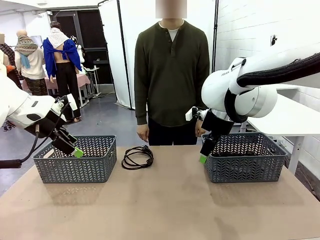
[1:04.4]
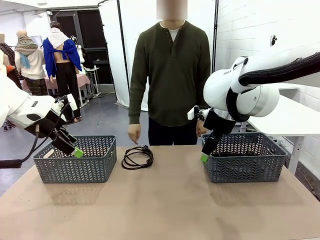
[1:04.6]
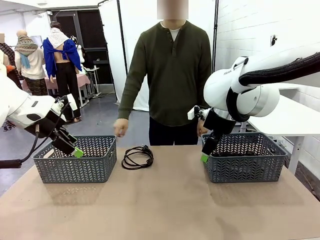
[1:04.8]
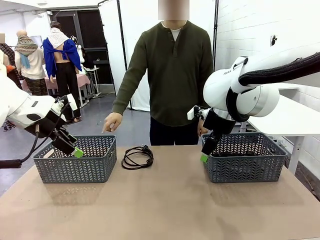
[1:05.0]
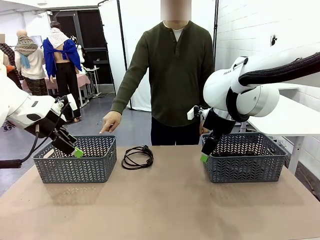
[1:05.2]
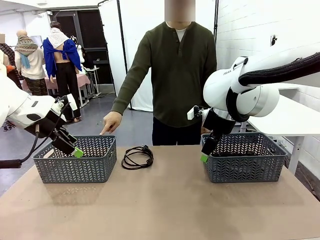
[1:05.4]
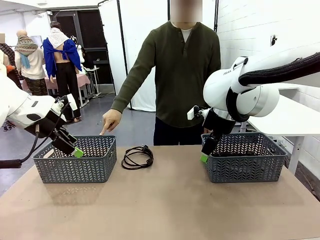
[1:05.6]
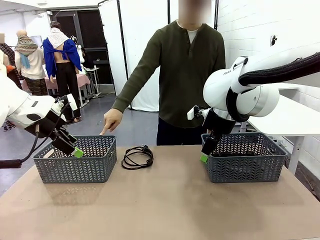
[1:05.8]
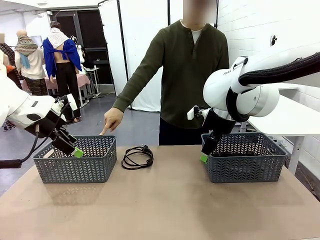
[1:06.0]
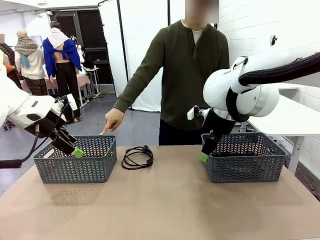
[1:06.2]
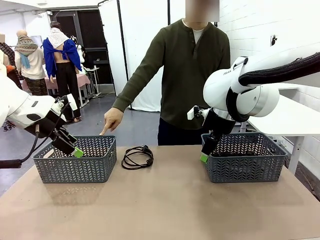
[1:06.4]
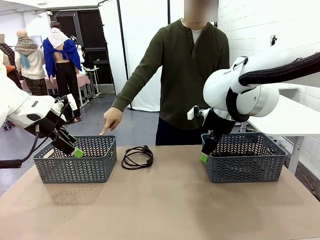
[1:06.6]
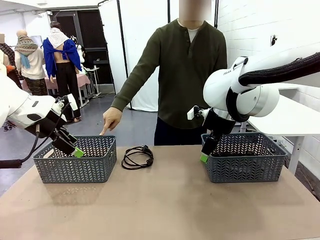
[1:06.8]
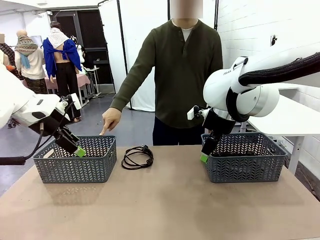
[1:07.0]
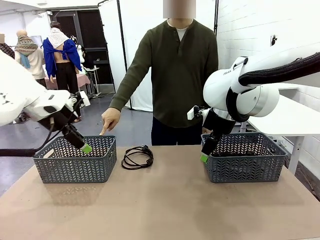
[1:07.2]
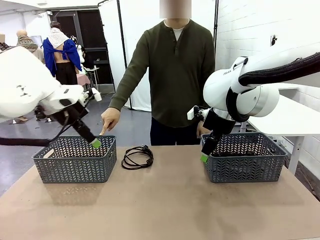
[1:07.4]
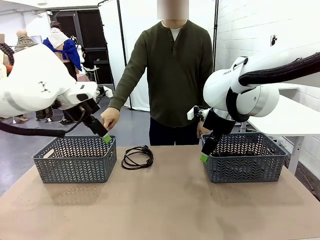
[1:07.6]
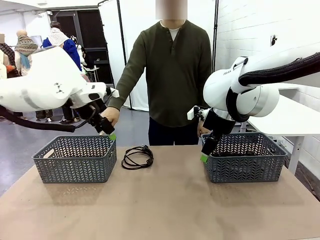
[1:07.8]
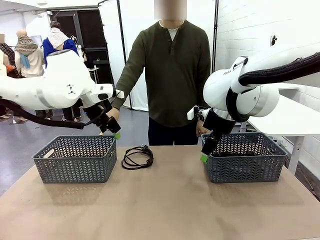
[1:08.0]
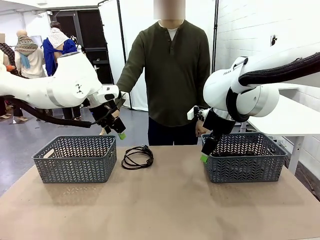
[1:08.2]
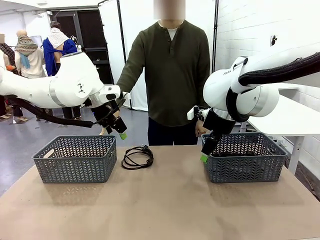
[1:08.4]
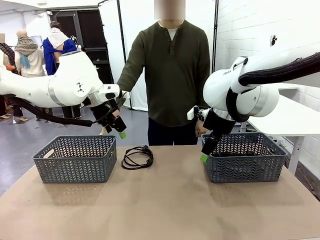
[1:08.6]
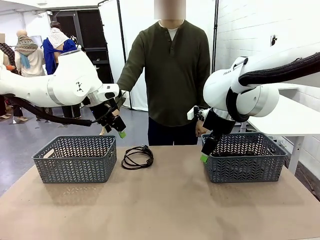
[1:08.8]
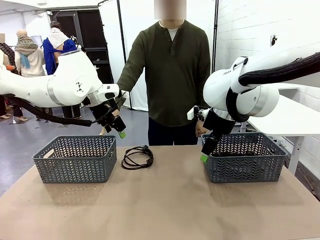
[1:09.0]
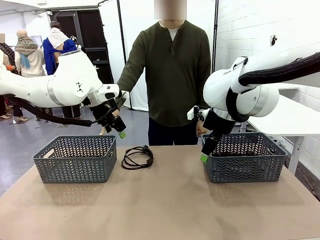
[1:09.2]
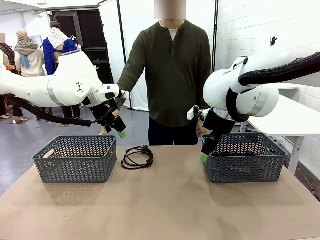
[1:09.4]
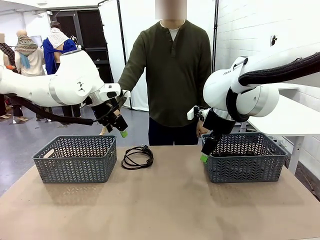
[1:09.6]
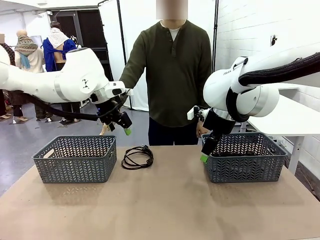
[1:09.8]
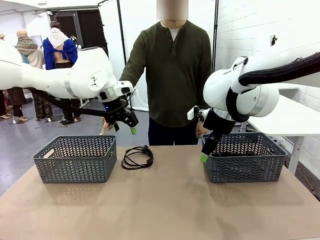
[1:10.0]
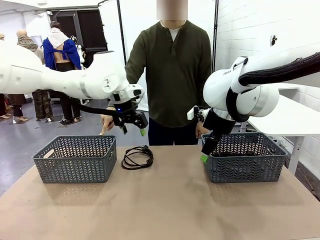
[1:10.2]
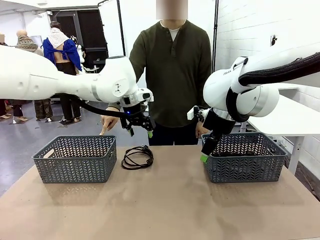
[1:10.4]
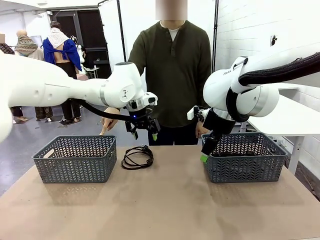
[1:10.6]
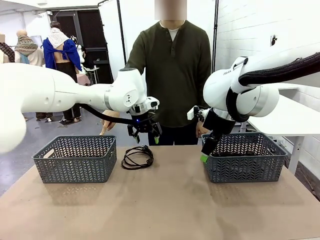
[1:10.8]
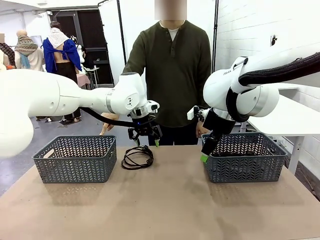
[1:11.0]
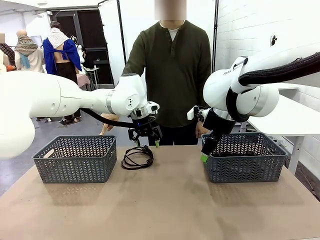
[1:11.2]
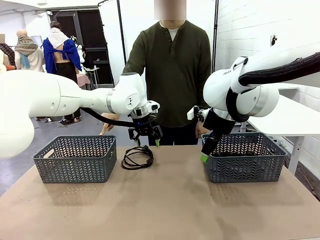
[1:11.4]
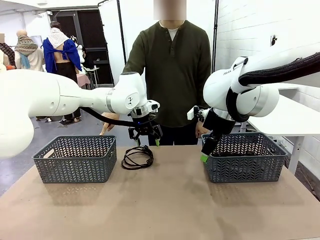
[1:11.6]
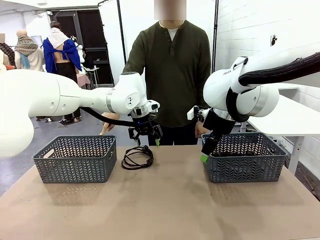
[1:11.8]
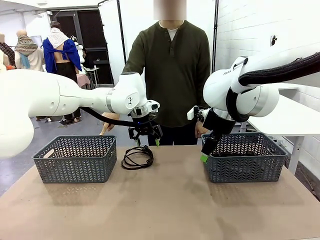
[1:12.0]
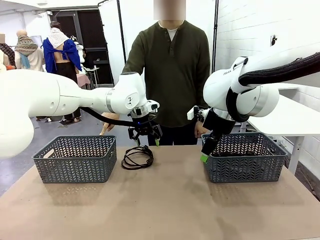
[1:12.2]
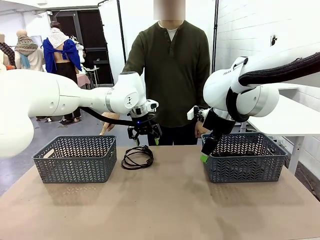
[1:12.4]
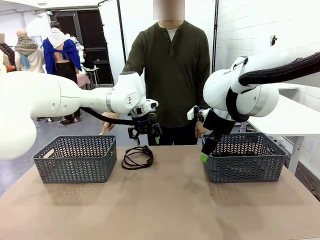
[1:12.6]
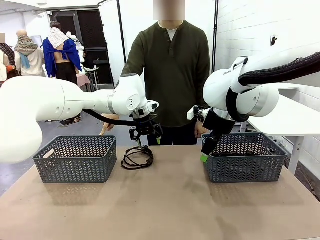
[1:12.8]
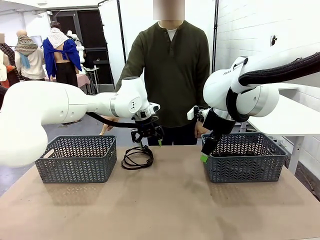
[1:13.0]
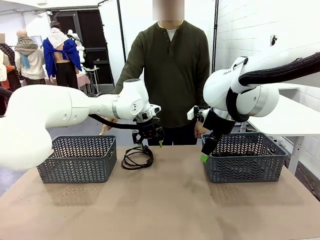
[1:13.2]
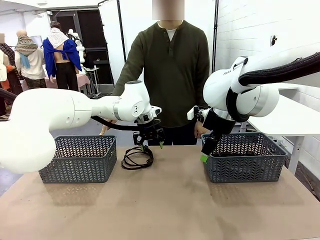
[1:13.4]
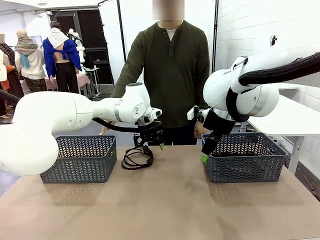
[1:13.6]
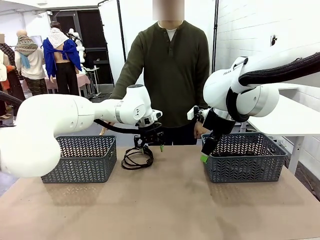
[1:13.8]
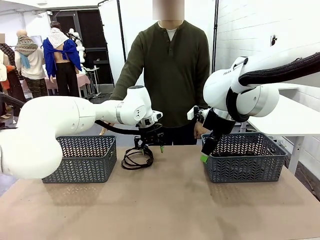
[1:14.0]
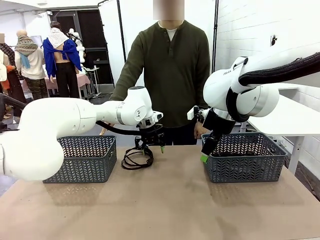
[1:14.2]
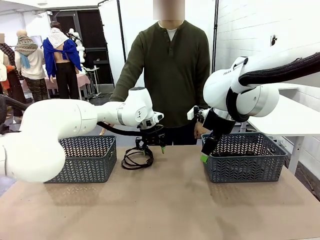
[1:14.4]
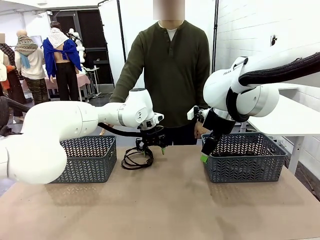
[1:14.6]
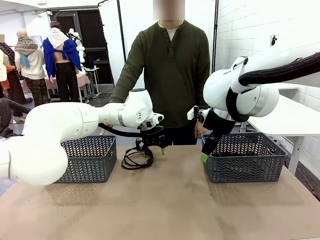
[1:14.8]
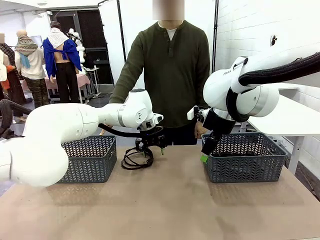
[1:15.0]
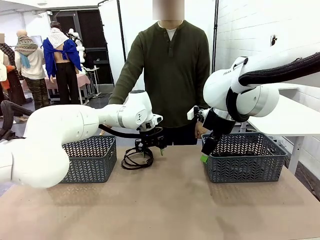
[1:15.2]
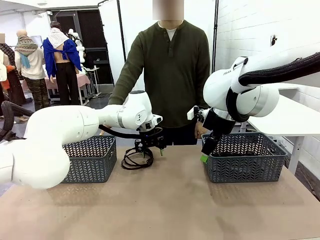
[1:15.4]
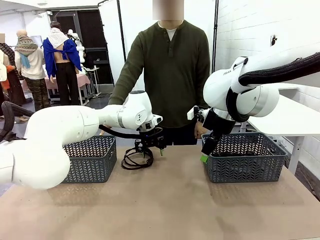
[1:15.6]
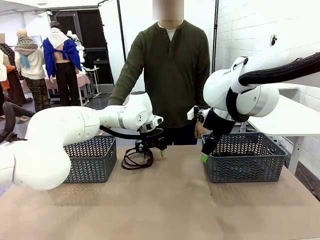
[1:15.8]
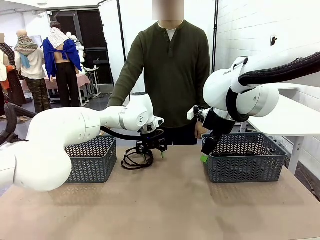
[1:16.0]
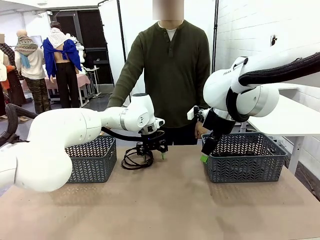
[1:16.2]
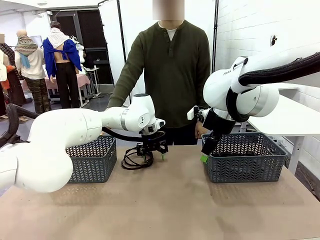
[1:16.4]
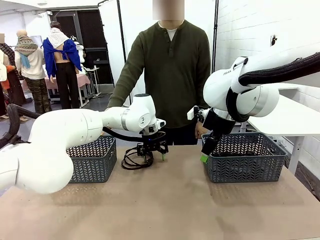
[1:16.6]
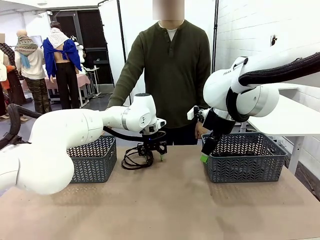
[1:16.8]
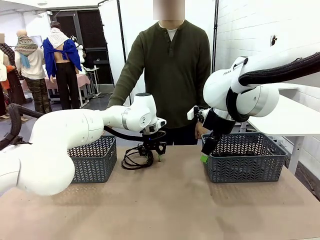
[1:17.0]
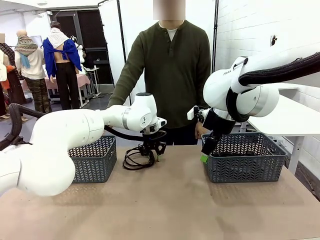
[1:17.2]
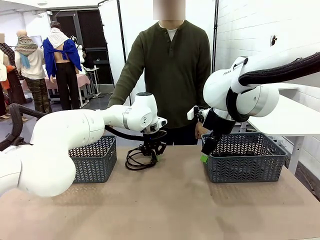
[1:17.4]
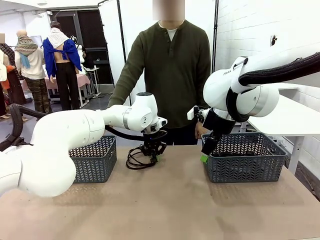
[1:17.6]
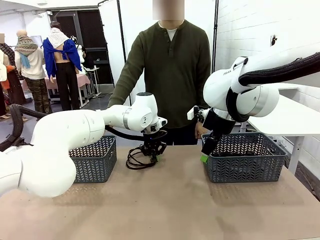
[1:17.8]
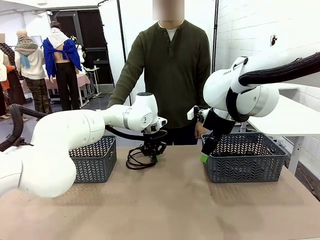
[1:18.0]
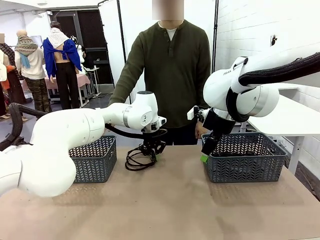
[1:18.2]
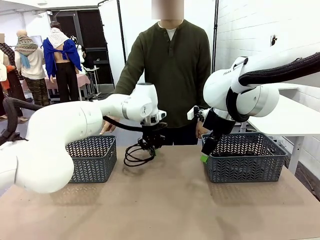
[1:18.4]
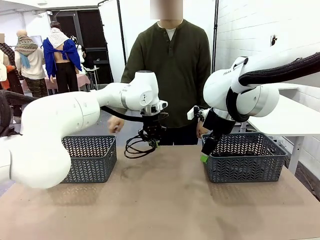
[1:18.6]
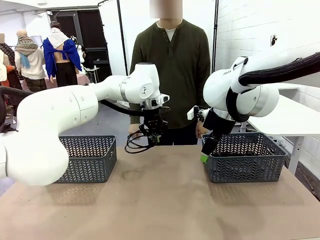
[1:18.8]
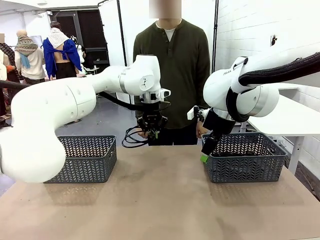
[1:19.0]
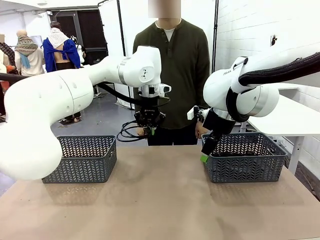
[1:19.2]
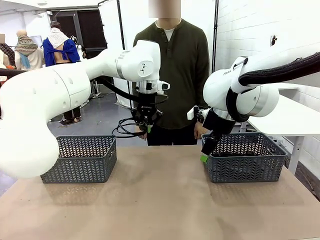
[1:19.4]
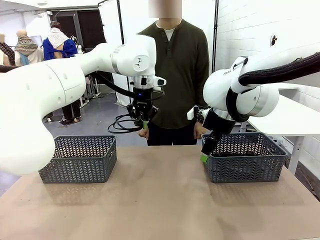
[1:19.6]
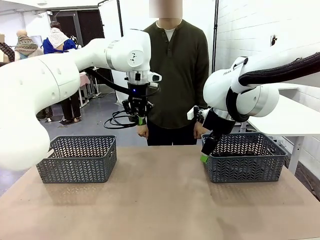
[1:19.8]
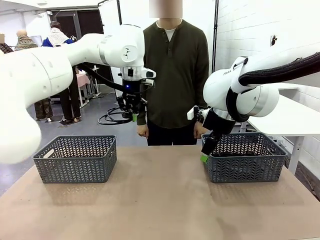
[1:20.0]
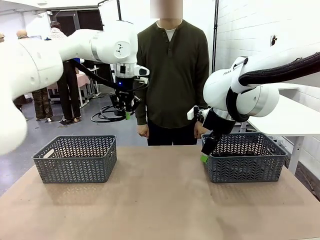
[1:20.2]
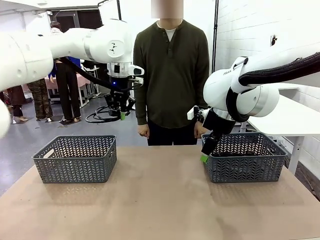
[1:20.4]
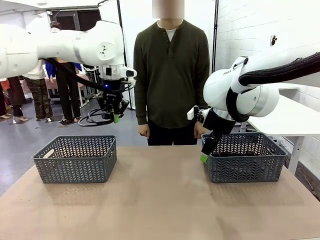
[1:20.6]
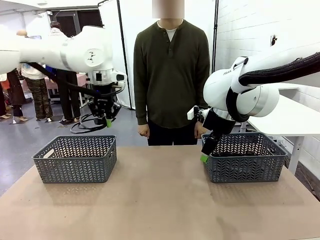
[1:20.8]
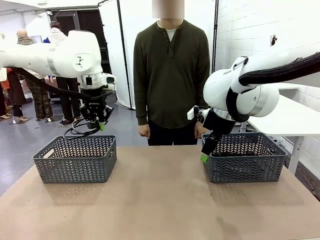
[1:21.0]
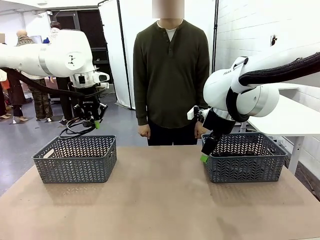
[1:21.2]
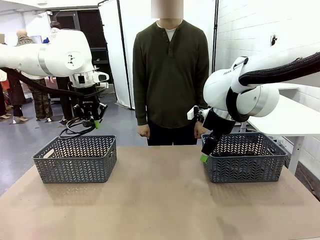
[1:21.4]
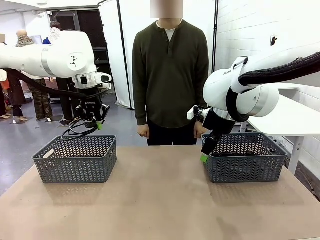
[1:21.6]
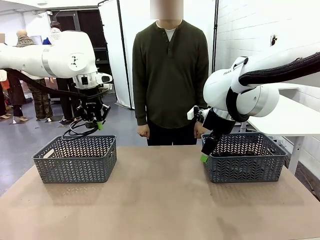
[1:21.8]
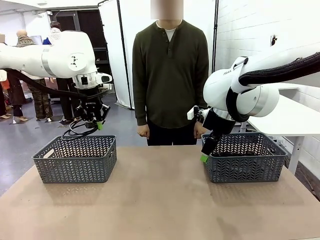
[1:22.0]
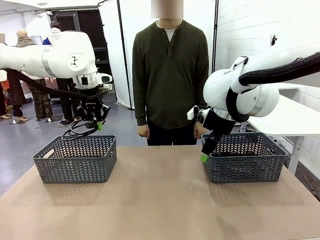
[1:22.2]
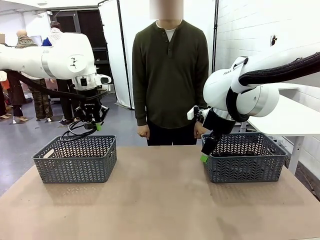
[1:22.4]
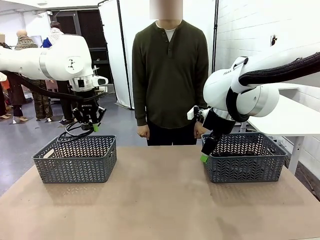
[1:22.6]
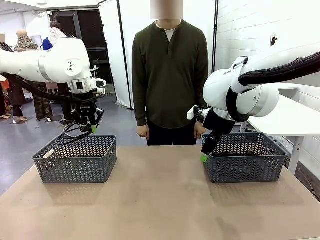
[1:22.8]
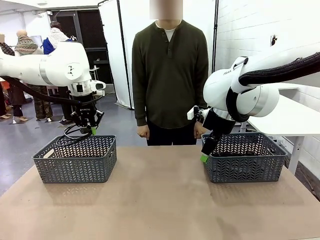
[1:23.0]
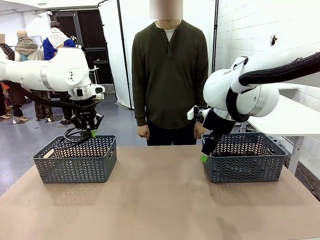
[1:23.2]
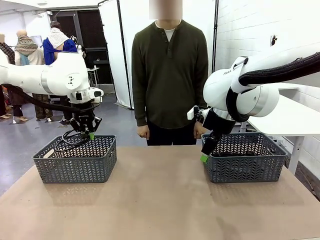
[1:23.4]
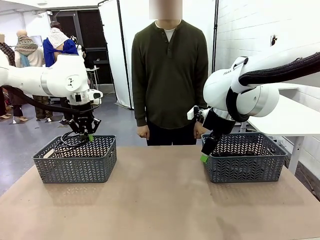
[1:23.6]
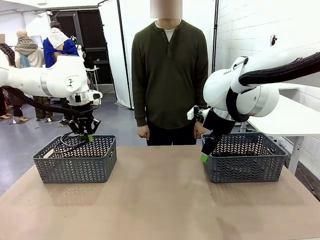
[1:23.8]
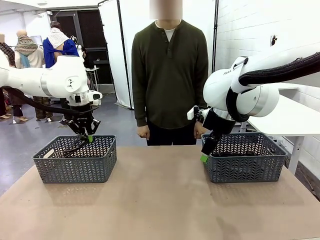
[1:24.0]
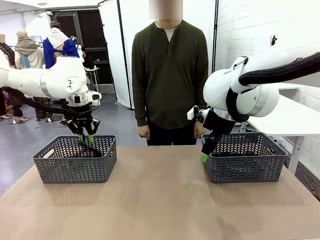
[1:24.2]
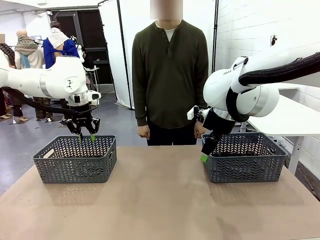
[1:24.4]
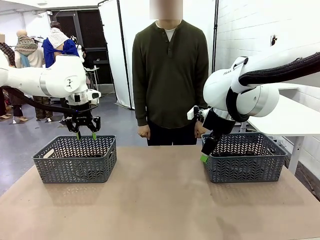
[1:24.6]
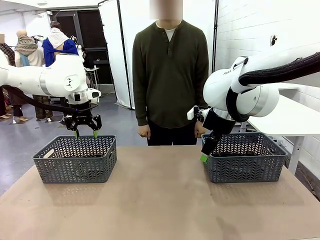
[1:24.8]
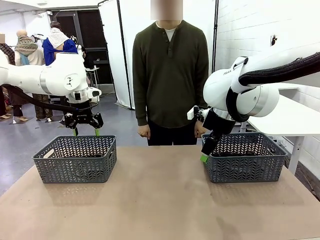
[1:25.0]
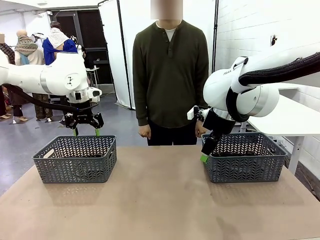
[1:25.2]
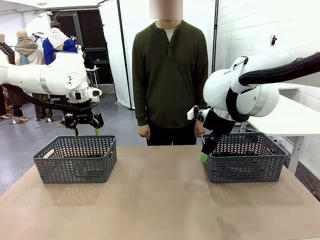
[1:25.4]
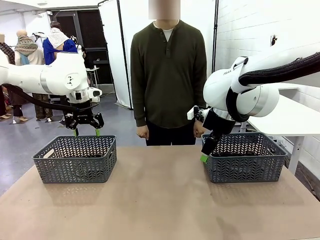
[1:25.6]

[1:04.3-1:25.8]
Task: Organize the cables according to human instructions.
Robot: Pick up a bundle of cables and place it in the basket indicated by the human.
